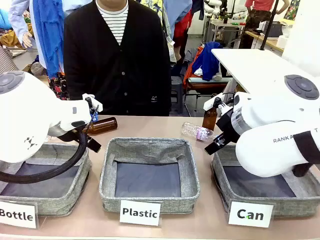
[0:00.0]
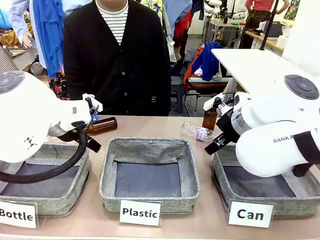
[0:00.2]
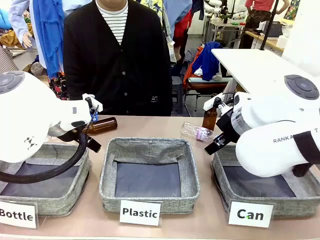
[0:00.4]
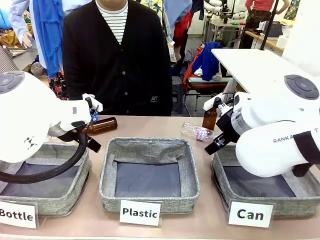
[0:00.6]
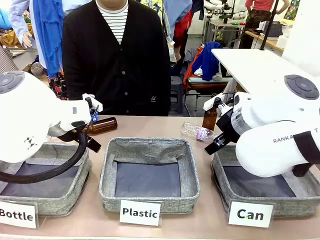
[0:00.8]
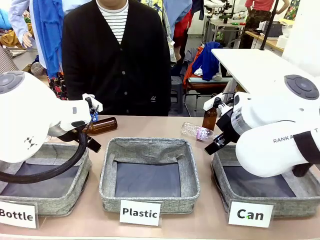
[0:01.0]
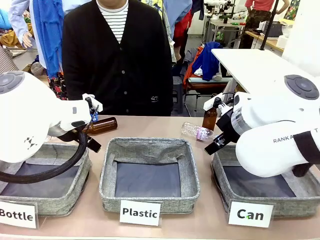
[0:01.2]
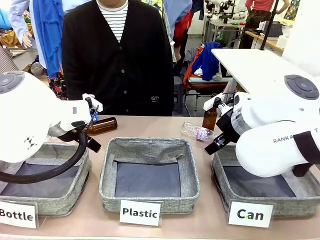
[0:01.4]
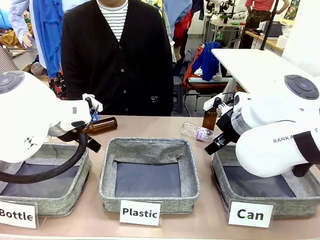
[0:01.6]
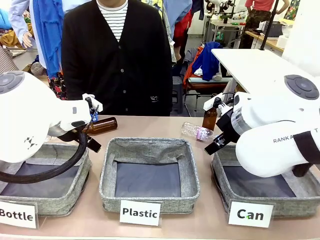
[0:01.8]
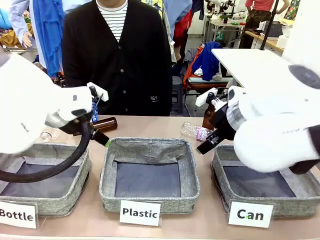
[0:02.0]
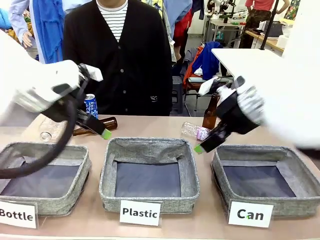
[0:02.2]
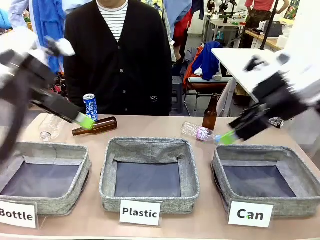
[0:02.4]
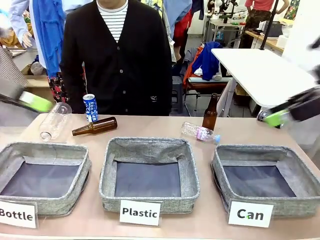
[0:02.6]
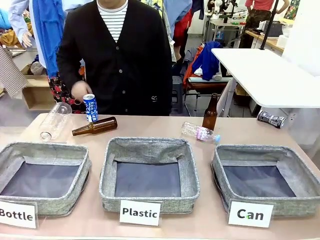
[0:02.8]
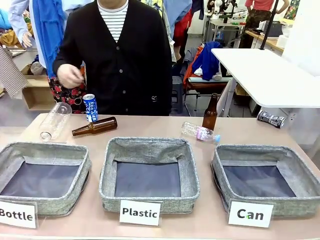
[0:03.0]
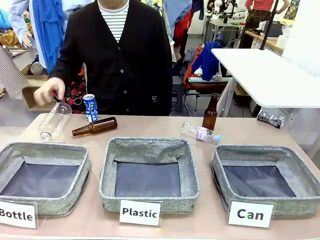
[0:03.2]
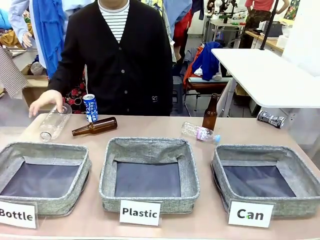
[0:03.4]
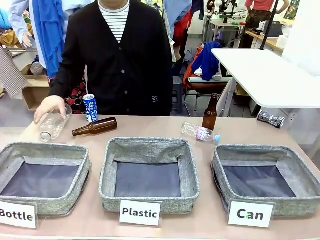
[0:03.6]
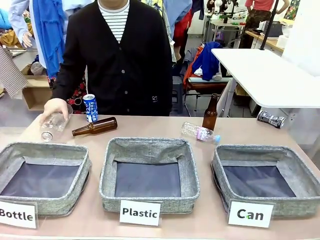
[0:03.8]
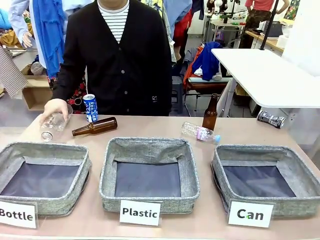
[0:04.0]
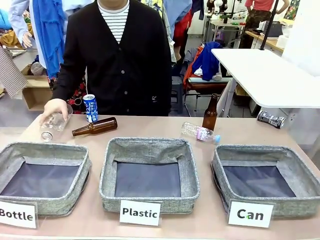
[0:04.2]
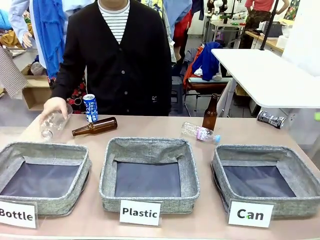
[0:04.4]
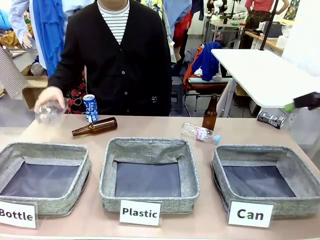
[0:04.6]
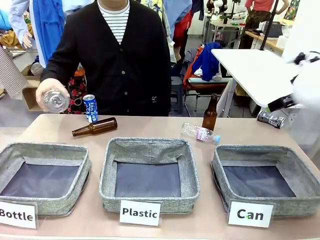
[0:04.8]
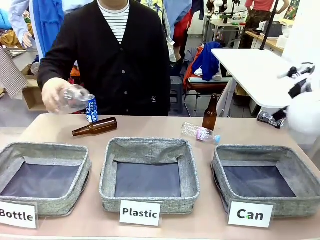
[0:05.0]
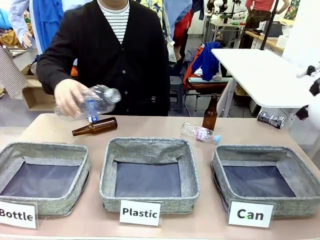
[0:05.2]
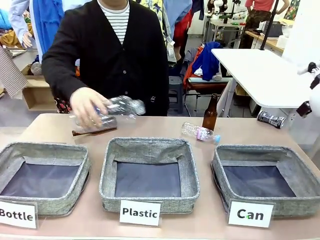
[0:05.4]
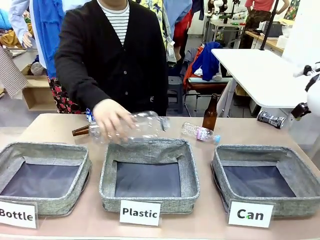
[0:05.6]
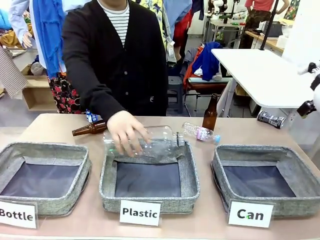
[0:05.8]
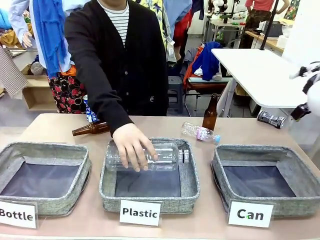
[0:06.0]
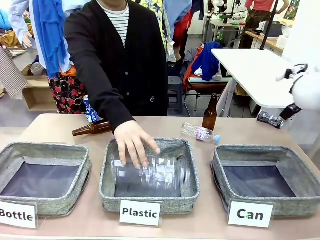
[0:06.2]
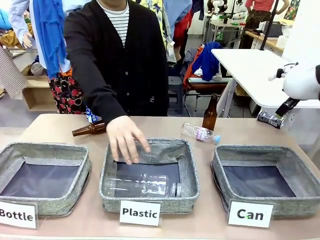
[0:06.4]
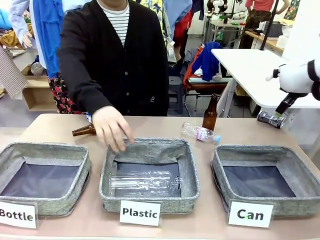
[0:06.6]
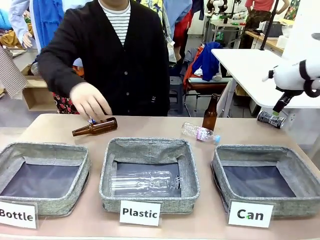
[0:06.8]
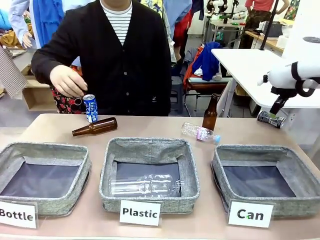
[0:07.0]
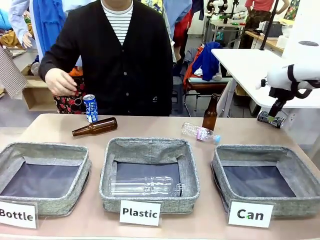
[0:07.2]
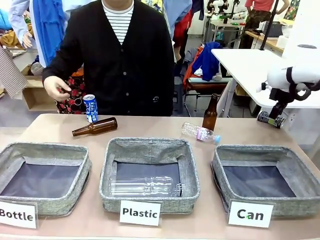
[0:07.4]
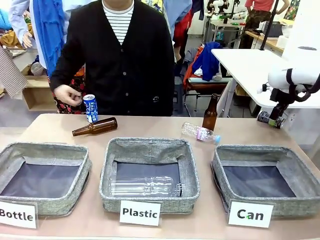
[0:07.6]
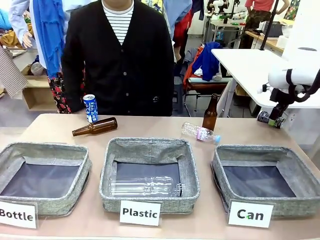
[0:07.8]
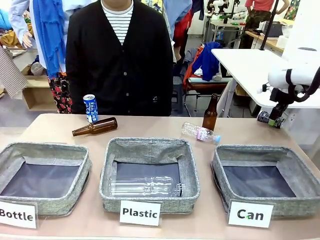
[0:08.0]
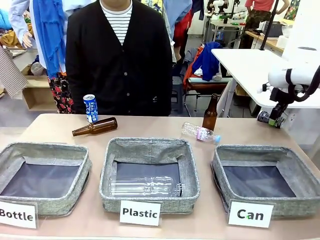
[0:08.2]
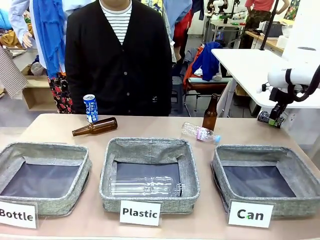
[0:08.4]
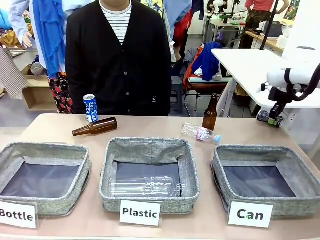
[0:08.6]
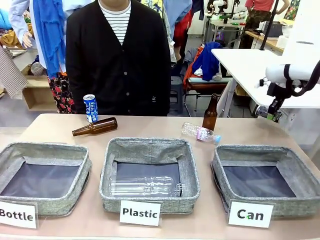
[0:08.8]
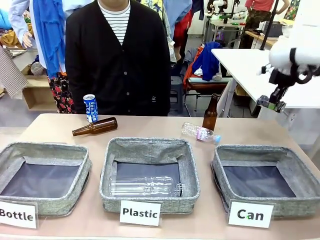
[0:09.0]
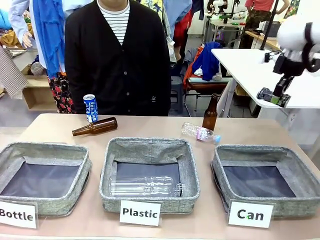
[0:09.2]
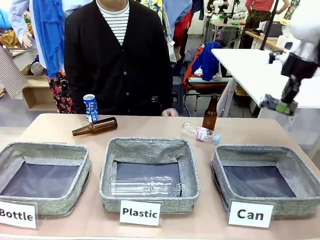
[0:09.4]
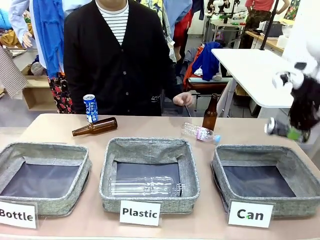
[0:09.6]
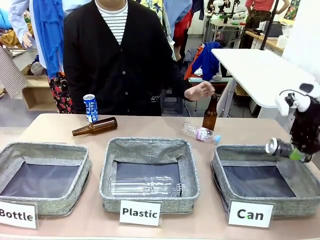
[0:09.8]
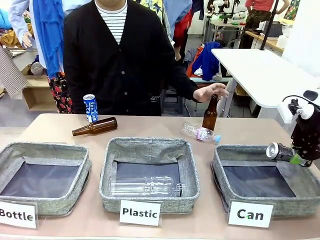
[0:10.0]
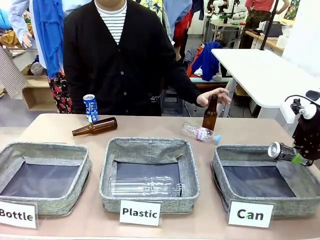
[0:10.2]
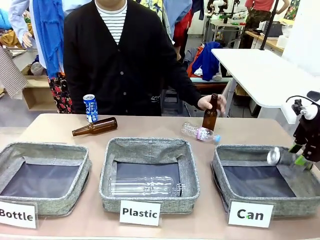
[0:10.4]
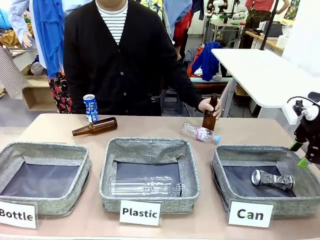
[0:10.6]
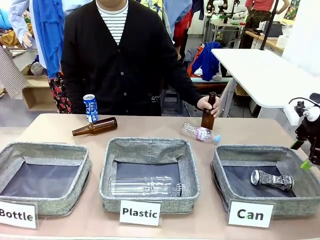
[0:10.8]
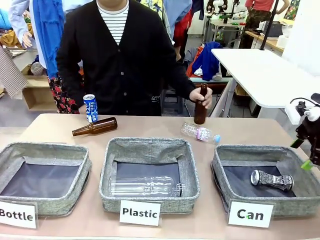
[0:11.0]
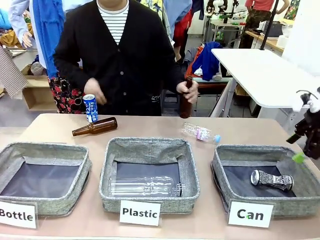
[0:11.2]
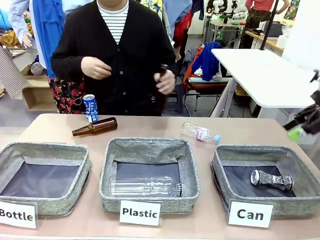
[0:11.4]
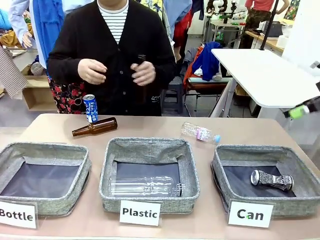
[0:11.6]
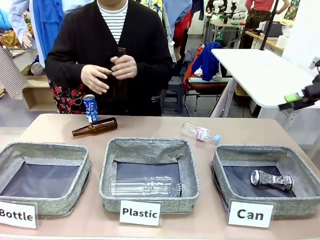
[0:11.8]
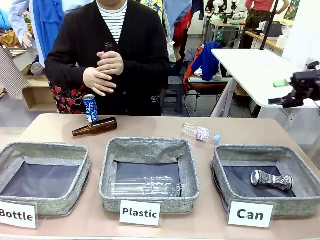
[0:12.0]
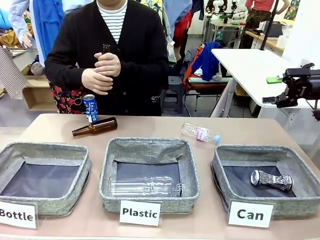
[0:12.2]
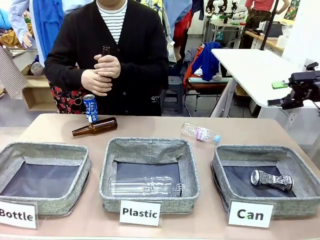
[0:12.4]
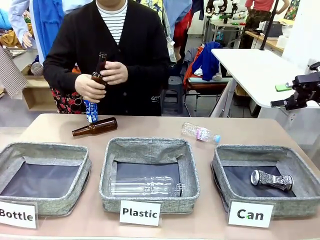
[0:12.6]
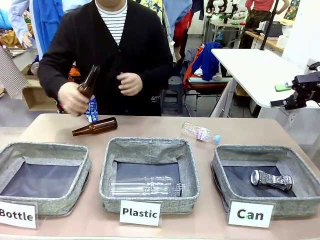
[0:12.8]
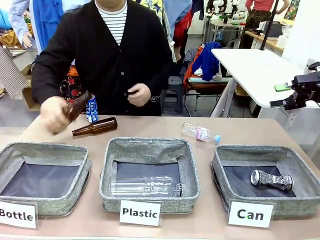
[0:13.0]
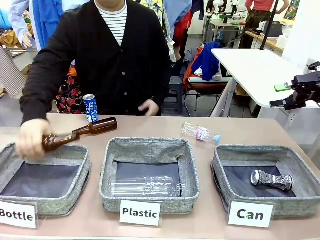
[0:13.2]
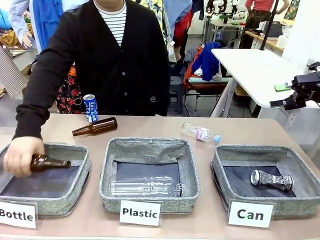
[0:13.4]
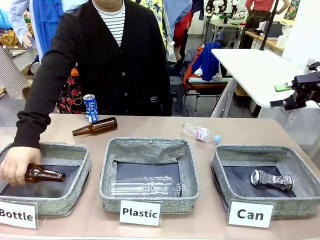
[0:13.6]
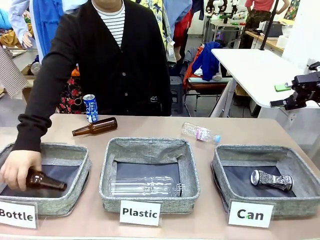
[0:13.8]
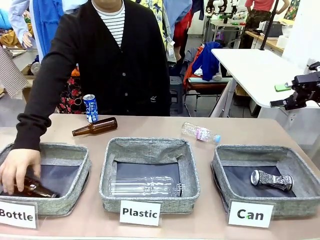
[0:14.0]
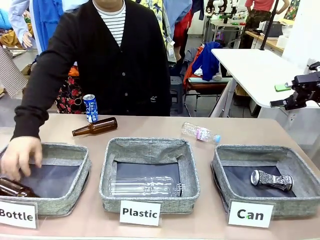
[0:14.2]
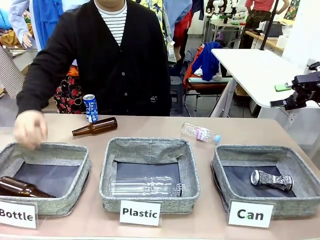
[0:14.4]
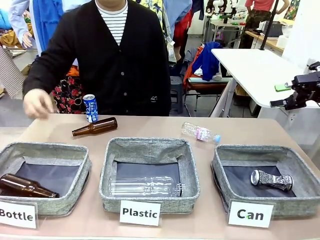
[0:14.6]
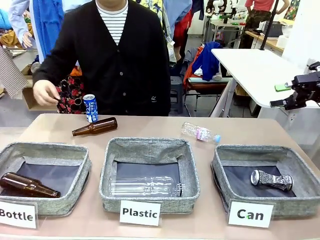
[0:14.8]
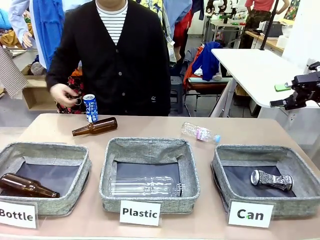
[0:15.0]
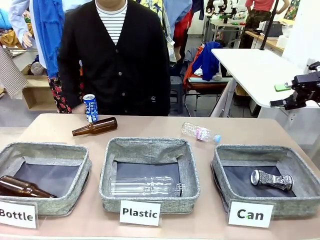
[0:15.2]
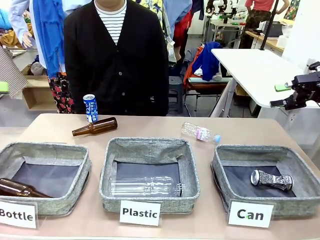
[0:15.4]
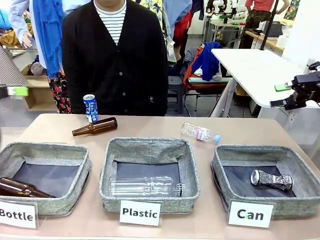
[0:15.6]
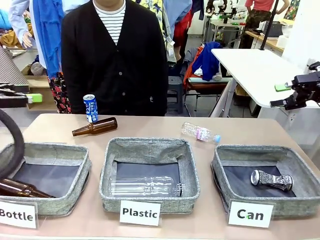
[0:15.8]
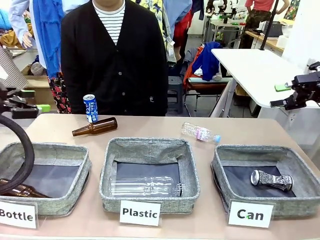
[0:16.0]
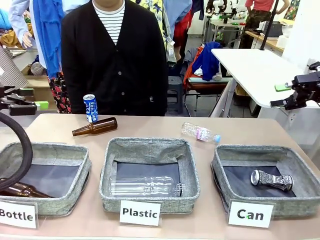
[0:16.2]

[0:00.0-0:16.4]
Task: Sort the can waste into the basket.
Robot: Pick up the can waste from the table and place it in the right Fabric basket.
